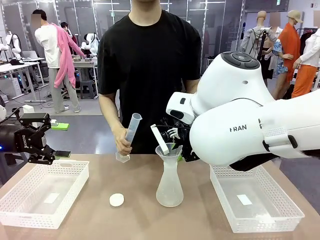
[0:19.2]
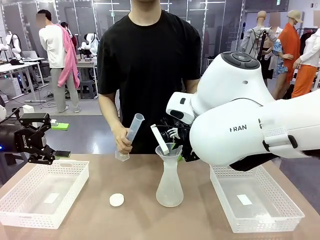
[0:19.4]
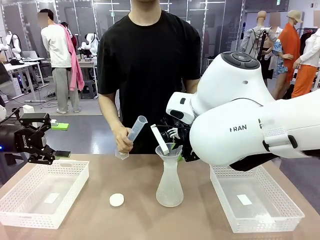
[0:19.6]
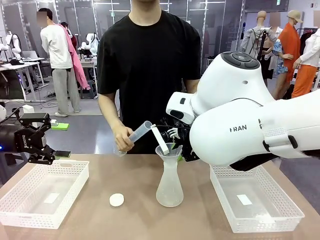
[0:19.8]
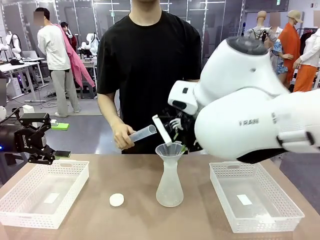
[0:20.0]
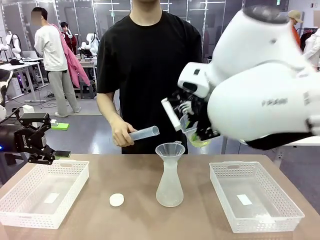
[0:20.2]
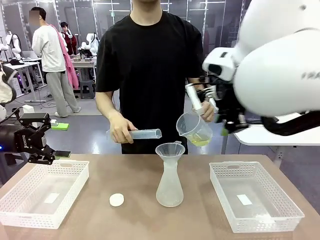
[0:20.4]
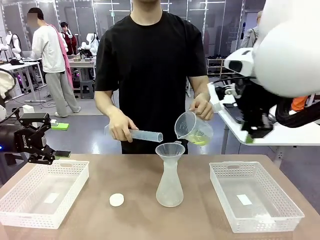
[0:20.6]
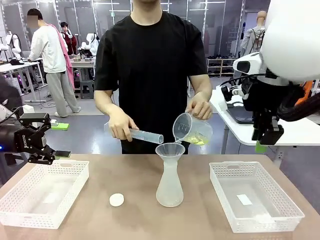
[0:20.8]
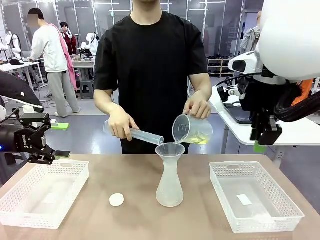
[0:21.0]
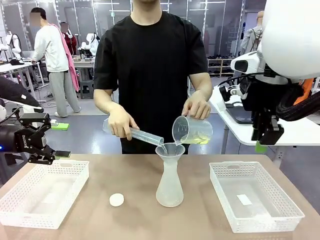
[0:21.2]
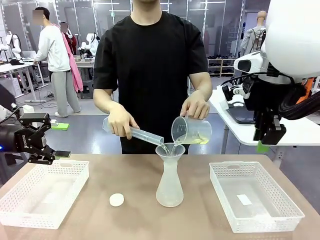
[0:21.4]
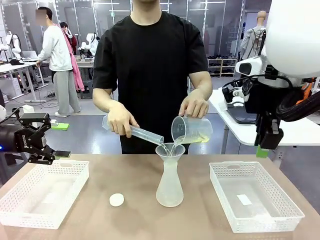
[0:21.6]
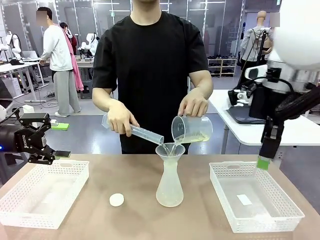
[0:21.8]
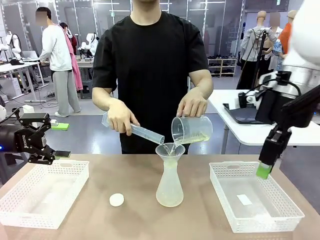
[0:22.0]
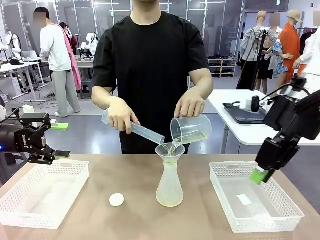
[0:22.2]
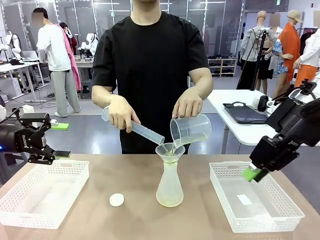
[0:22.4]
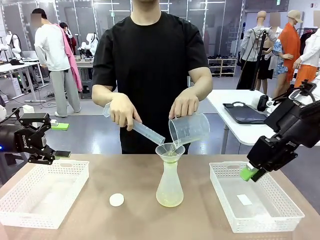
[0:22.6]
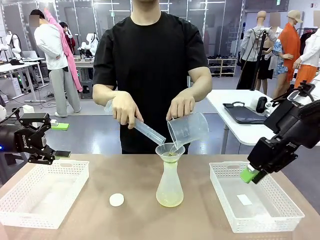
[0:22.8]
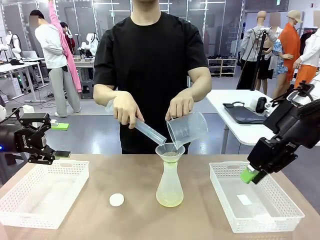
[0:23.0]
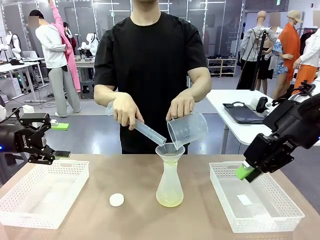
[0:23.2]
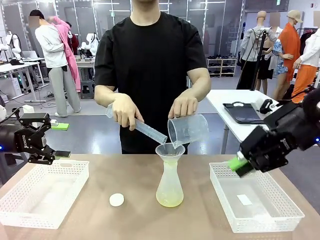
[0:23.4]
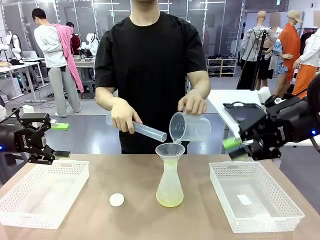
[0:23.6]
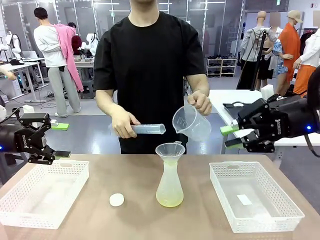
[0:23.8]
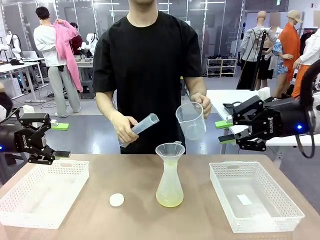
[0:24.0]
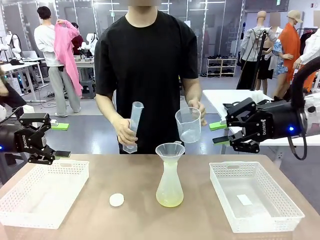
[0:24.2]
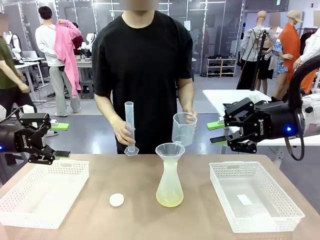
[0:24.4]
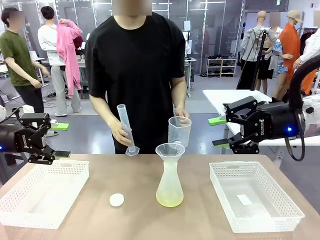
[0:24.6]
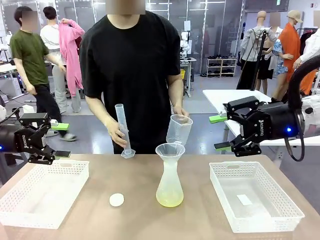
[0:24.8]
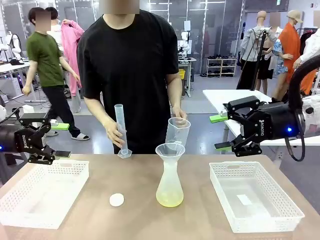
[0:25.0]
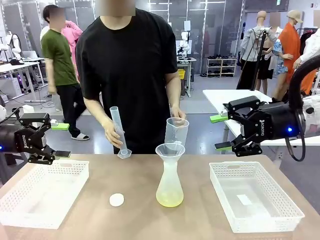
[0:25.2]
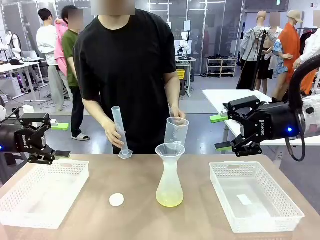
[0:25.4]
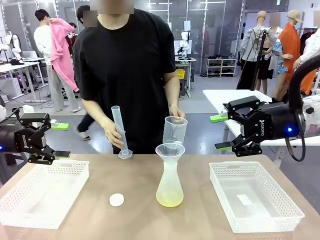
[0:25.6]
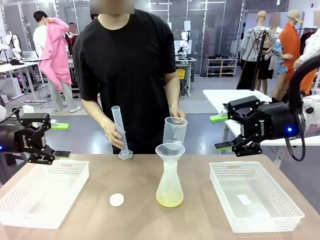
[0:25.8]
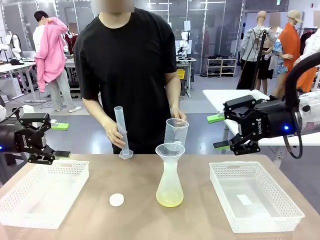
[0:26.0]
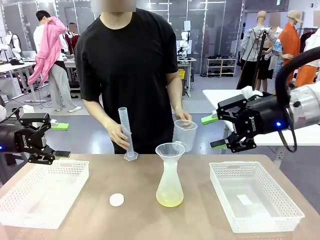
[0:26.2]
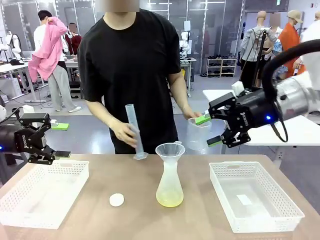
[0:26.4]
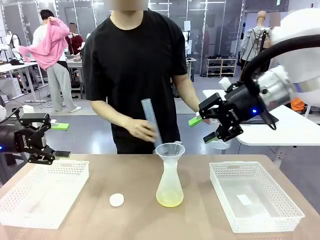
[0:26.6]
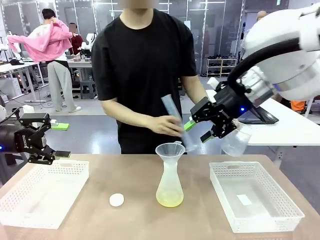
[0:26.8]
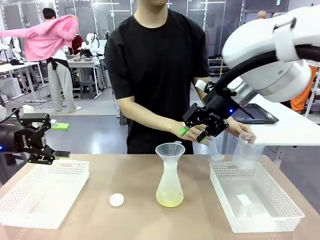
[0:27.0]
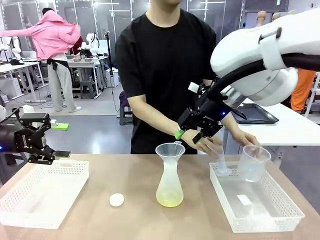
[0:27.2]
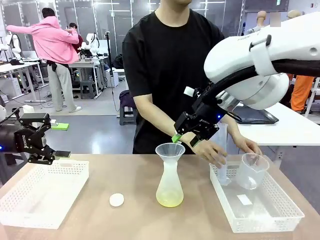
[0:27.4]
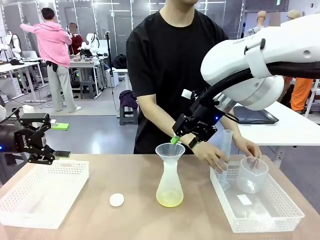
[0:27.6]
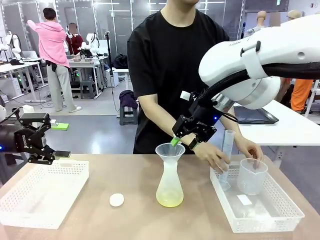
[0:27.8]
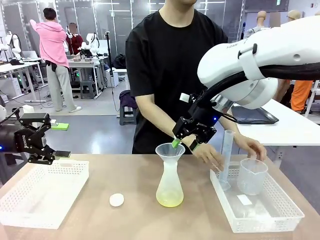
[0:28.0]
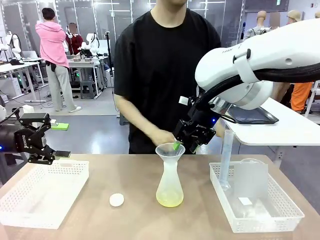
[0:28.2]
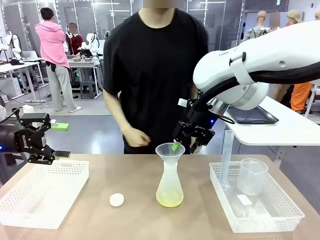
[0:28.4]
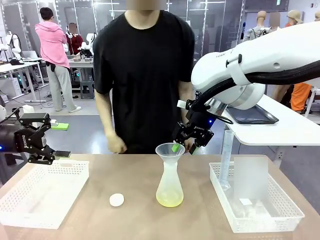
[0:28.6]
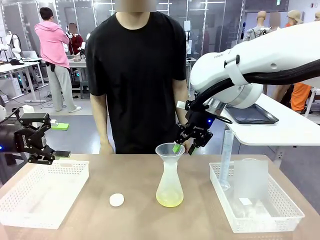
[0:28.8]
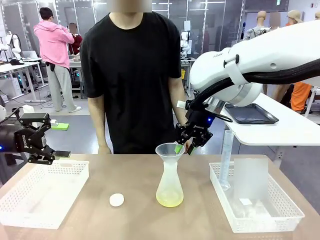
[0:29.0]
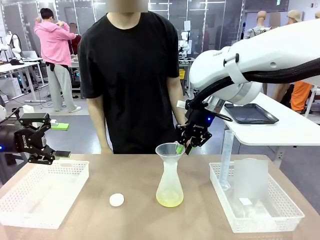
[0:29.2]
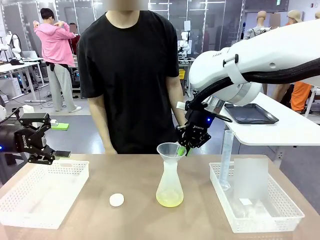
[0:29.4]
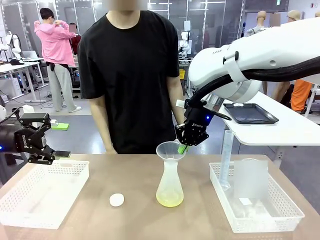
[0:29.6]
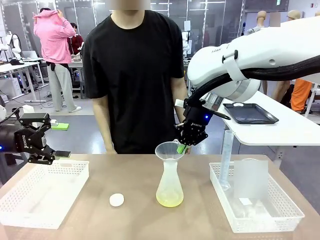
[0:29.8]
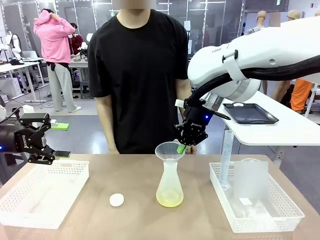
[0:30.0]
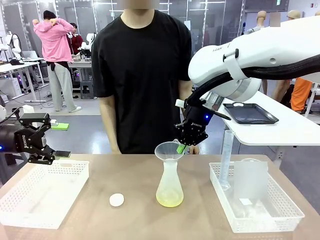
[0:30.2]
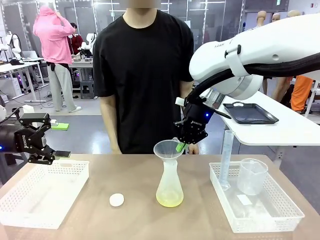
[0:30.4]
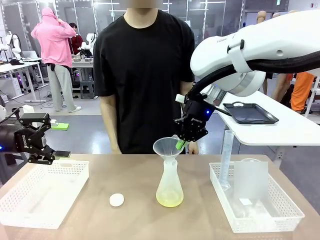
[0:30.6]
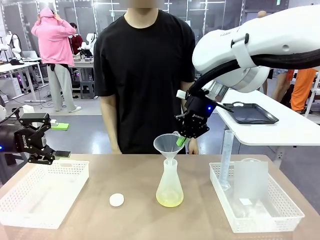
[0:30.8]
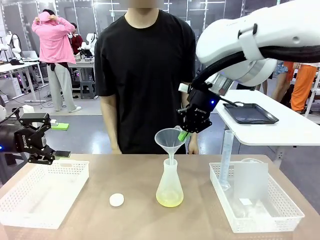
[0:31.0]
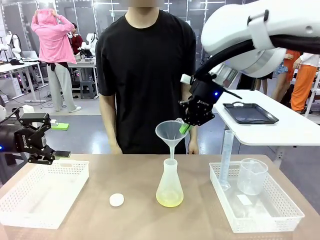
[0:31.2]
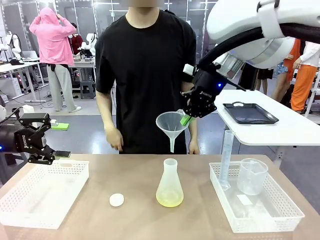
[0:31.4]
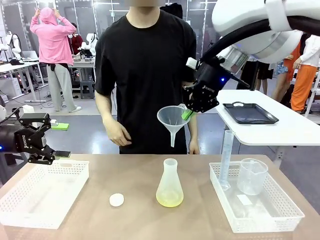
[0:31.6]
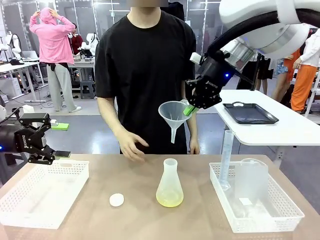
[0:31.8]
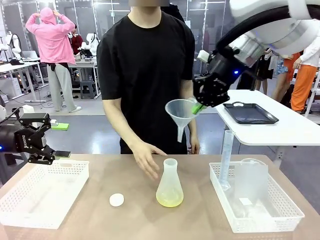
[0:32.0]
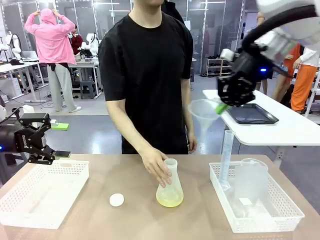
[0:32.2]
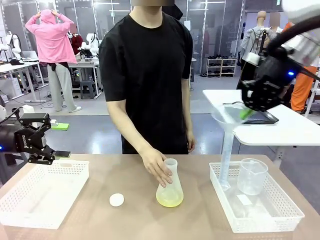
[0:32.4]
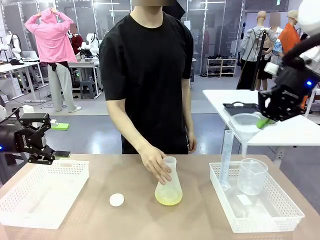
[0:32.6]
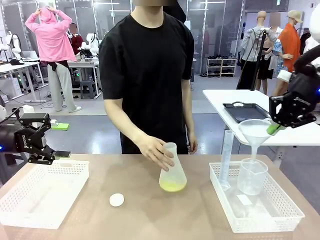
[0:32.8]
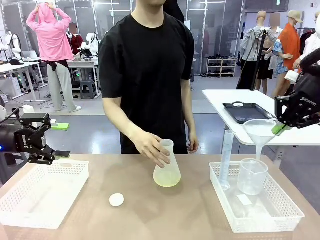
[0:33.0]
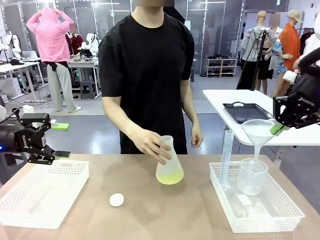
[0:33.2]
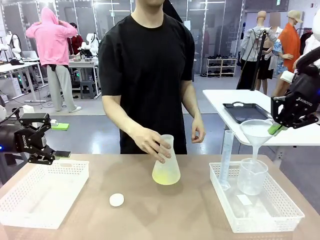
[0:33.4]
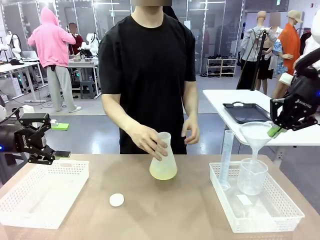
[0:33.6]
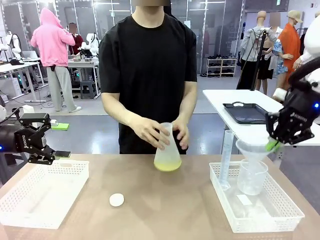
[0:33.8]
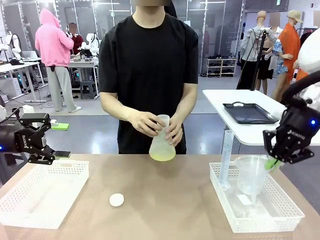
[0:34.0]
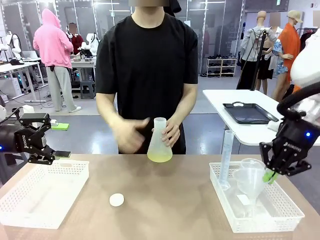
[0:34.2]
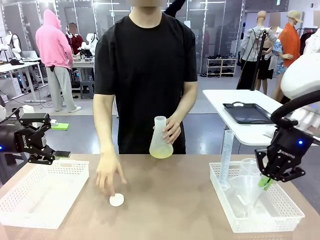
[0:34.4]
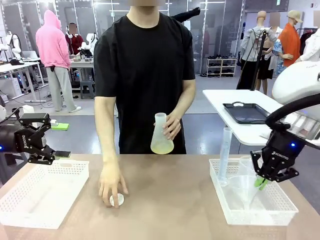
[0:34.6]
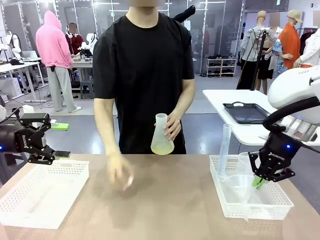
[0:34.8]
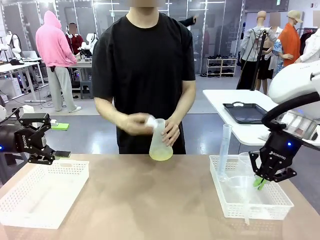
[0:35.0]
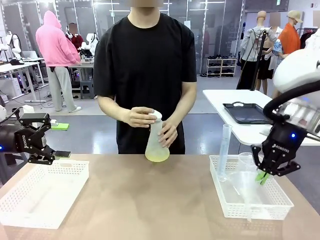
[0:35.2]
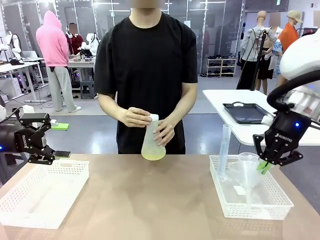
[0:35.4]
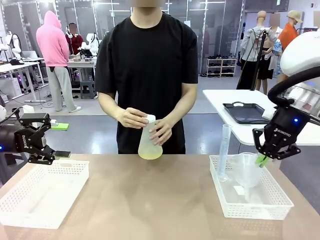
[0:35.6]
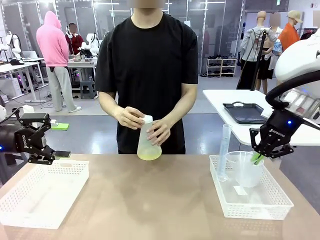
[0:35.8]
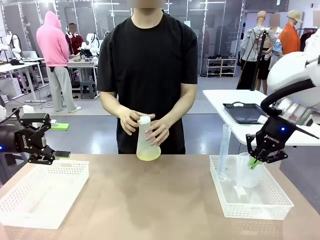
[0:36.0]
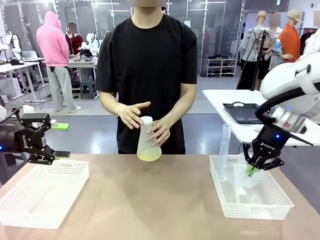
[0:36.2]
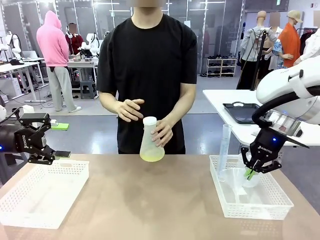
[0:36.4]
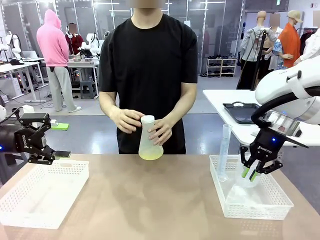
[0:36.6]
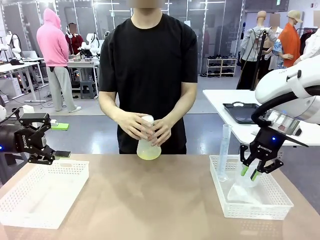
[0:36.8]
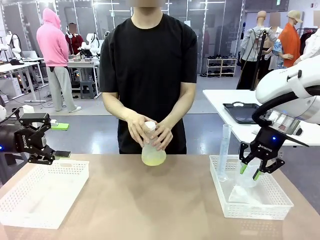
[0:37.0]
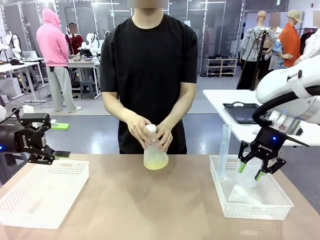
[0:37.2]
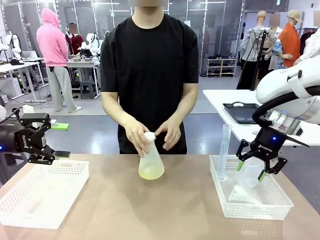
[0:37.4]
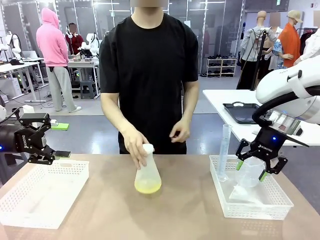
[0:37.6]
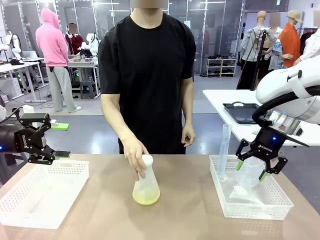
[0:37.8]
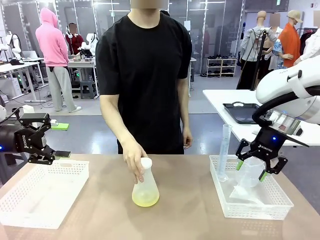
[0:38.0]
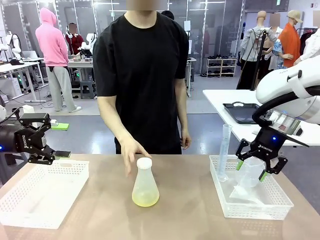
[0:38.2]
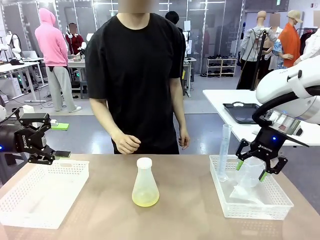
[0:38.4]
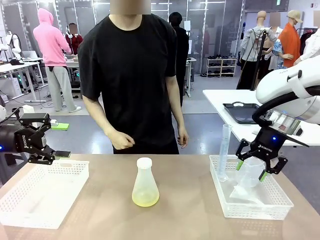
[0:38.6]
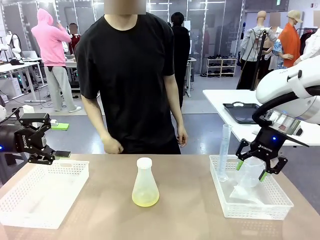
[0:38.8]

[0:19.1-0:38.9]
Task: Prepare the solutions needed for the experiment.
Robot: Once the solution is in the Big flask , pick up the Plastic Funnel and place it back into the right Organizing basket.
Person: Place the beaker and the cylinder into the organizing basket on the left side. Pick up the flask, gently shake it 2–3 times, place it in the middle of the robot table, and close the lid.
